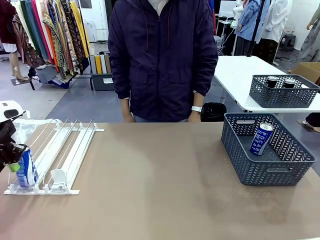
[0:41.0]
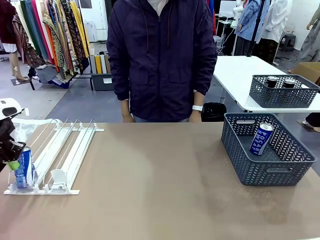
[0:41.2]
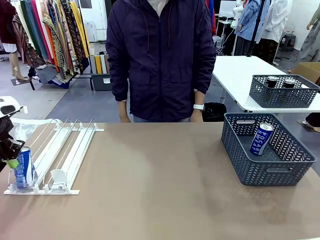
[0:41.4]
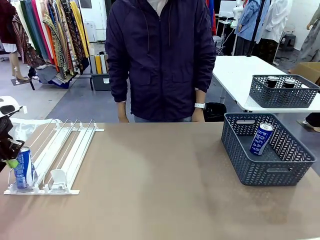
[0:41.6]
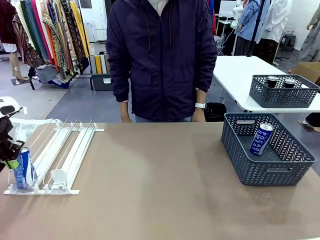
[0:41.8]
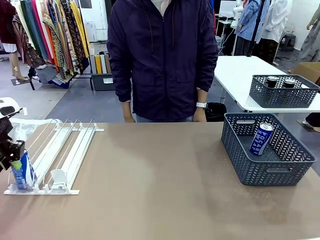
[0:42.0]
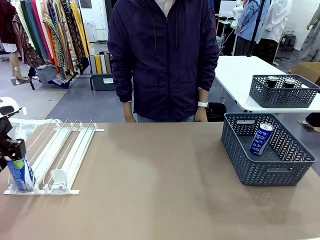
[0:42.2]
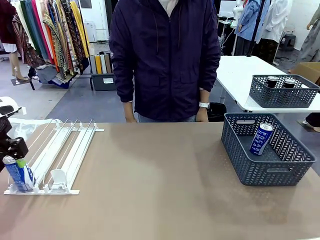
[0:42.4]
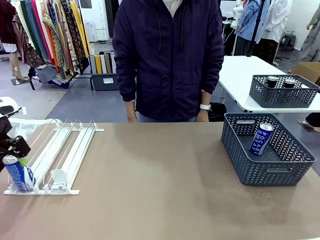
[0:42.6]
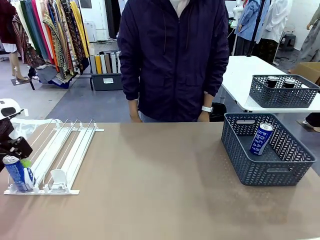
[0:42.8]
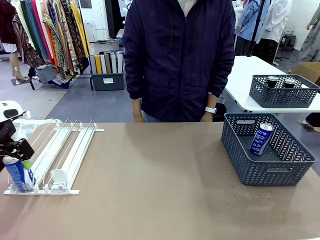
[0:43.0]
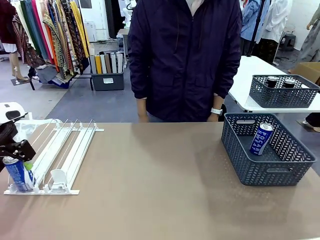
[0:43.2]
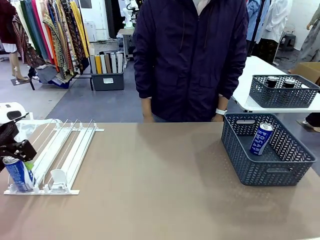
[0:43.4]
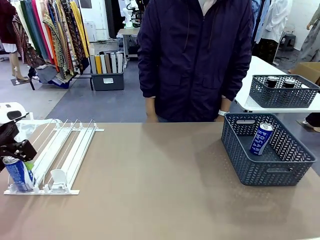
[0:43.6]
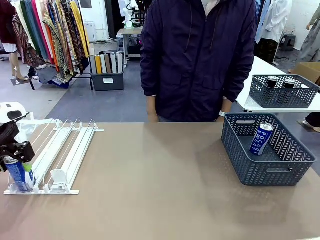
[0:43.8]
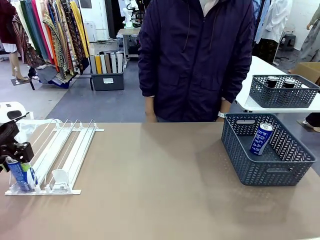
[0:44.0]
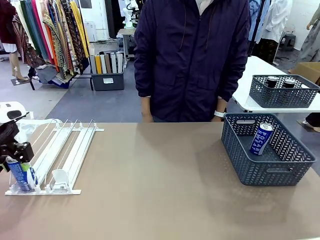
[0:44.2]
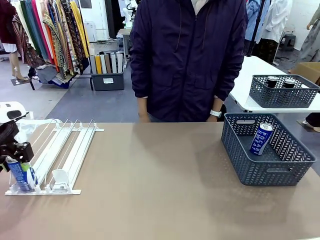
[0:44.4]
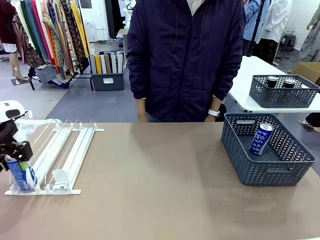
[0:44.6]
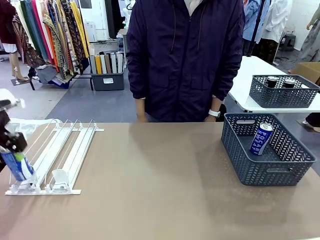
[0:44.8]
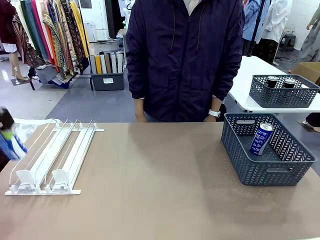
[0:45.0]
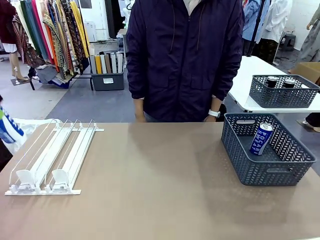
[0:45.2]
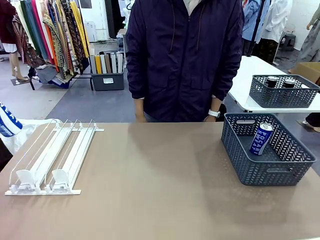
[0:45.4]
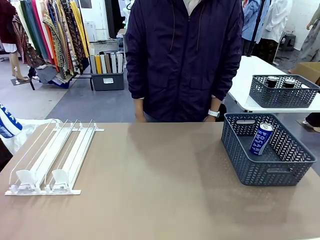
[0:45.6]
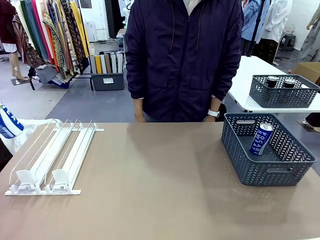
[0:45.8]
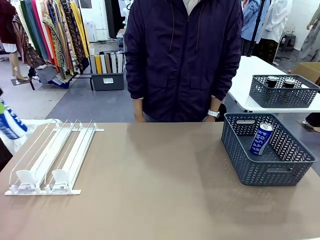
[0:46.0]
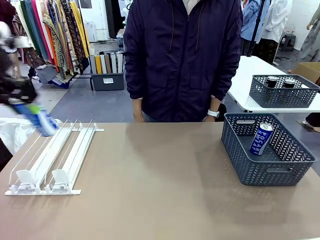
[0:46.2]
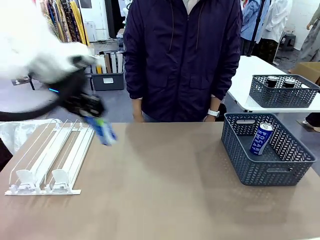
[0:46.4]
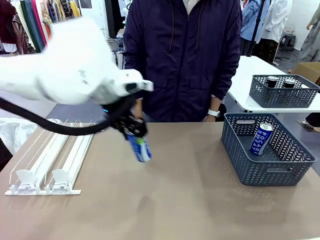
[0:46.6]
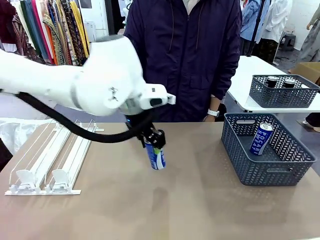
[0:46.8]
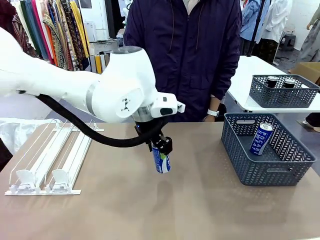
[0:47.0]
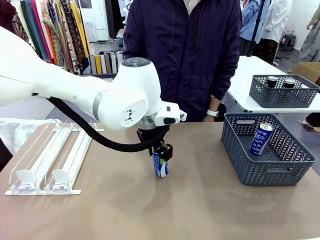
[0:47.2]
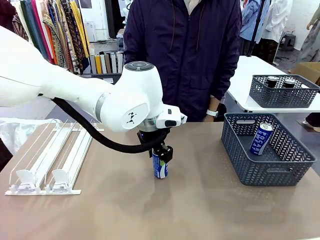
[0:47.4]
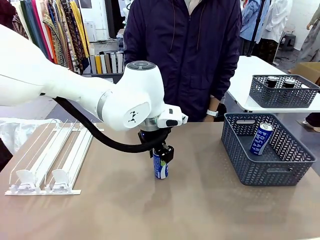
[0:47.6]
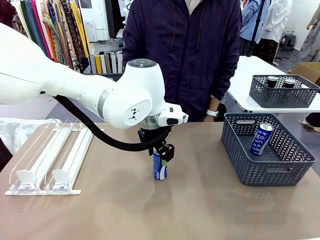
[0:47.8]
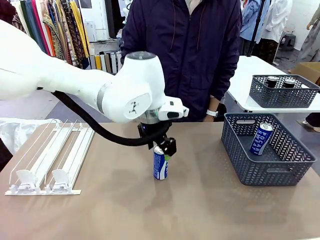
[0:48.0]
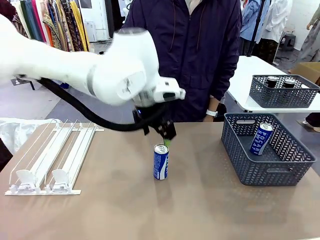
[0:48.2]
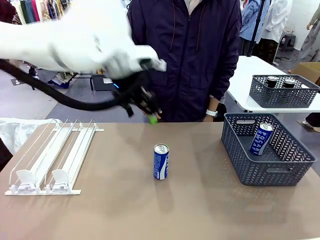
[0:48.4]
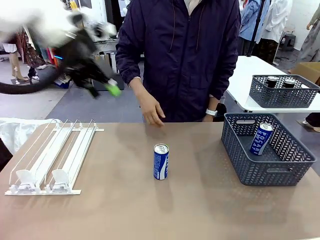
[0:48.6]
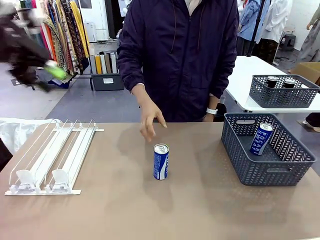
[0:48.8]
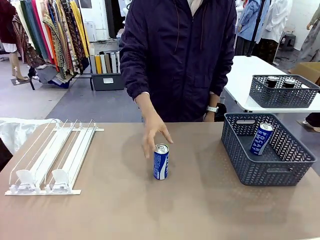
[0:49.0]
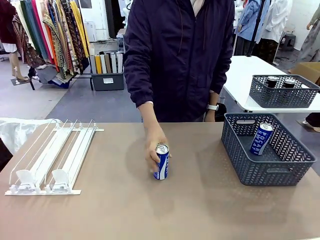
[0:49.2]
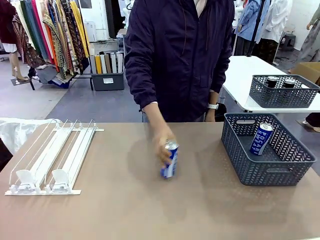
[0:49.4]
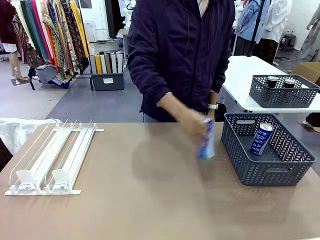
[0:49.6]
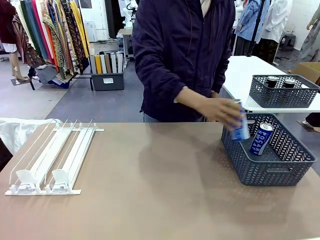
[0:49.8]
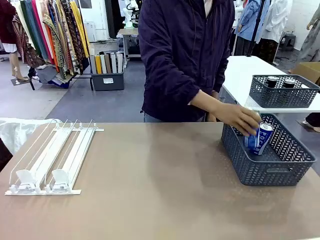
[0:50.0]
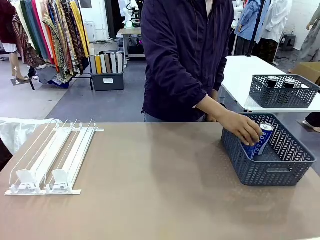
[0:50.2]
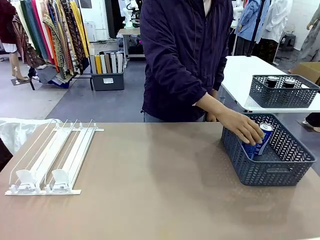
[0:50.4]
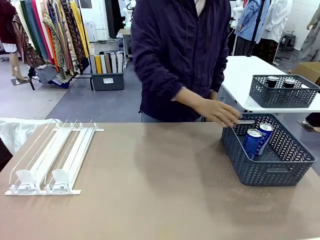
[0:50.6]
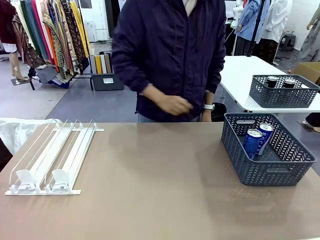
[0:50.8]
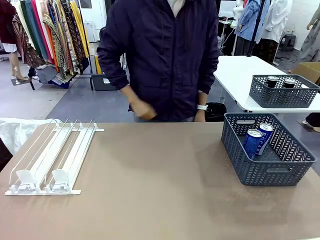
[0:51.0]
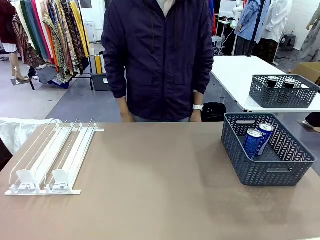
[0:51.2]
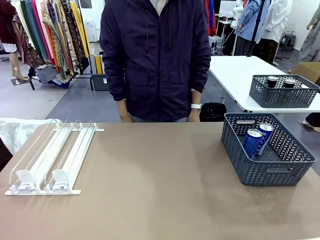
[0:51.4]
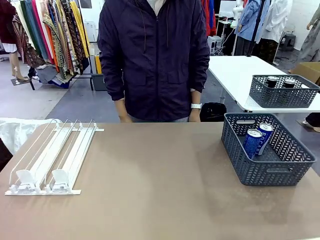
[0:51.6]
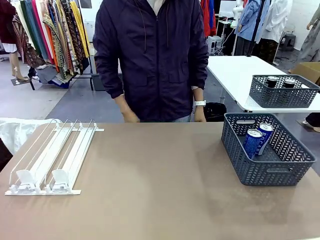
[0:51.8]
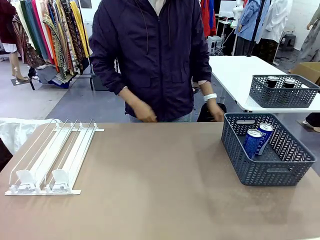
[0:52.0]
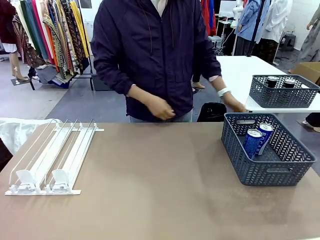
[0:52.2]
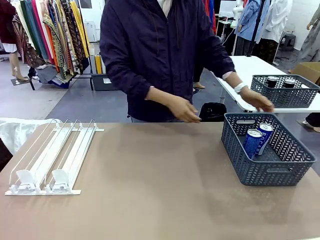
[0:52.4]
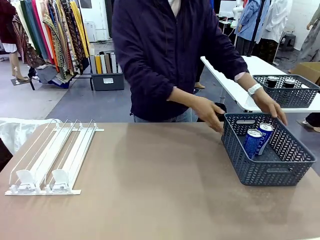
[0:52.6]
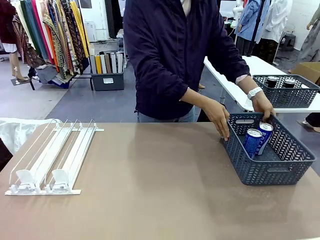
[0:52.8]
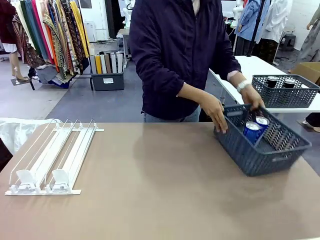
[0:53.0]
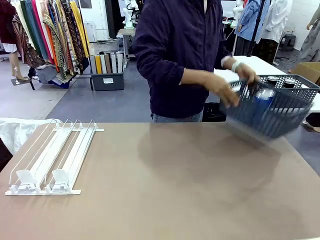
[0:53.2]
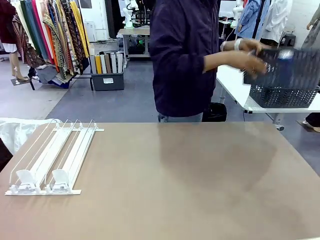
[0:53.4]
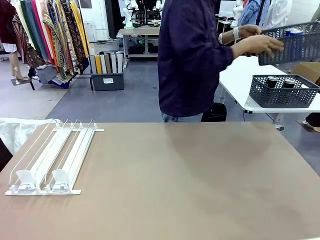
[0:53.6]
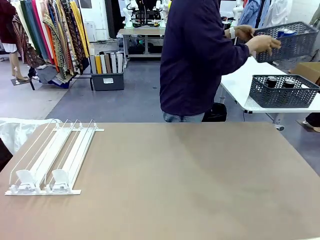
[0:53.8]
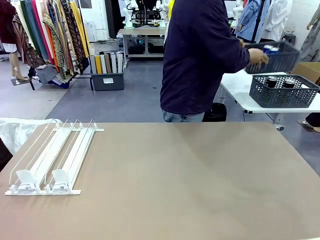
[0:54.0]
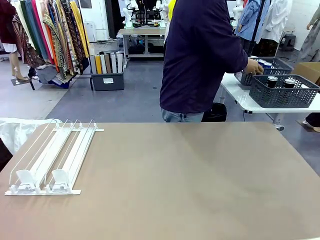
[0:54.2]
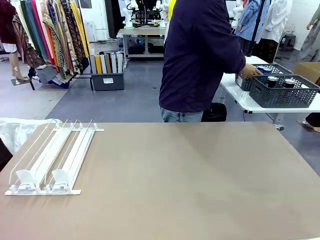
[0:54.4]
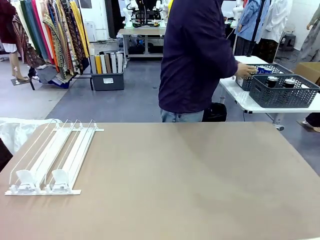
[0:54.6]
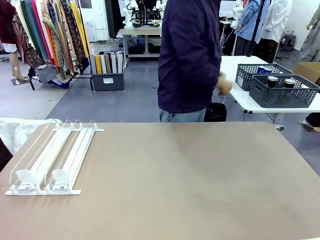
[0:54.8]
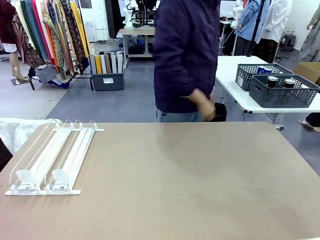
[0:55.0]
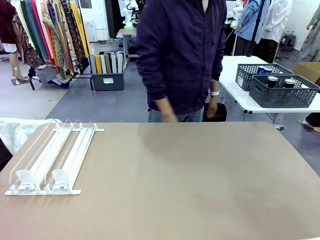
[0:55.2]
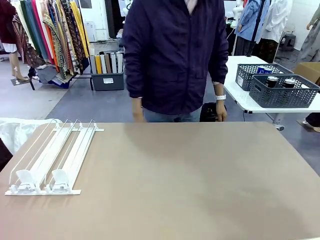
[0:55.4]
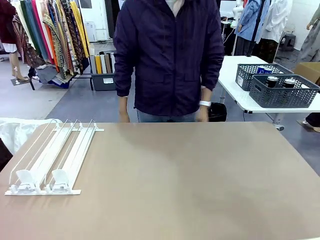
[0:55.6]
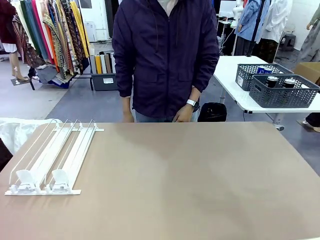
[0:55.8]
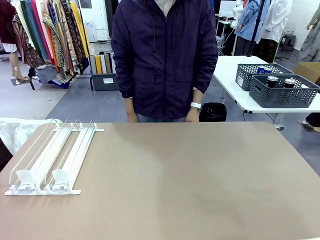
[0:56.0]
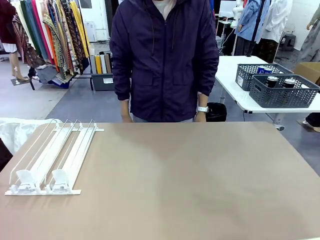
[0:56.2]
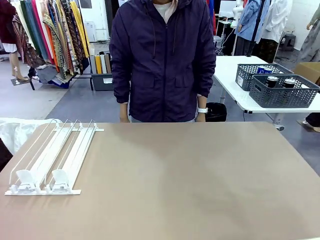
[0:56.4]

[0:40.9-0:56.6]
Task: Retrieve and store the cans from the dispenser.
Robot: Pick up one can from the Automatic Can Dispenser and place it in the middle of the table.
Person: Pick up one sports drink can from the middle of the robot table and place it in the basket. Pick up the basket and place it in the middle of the human table.
